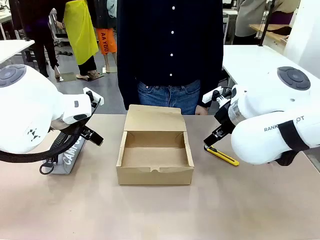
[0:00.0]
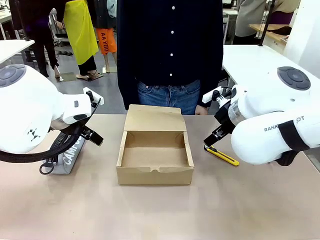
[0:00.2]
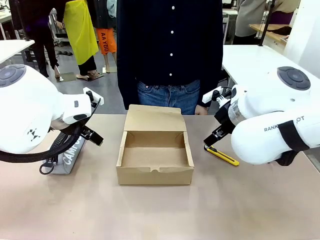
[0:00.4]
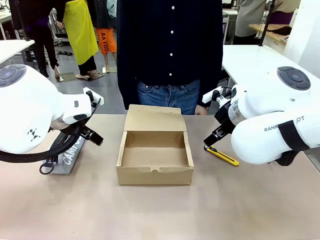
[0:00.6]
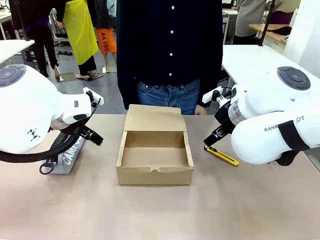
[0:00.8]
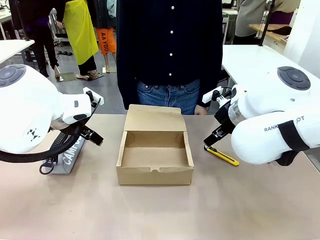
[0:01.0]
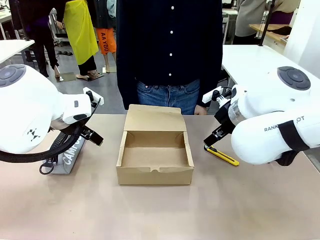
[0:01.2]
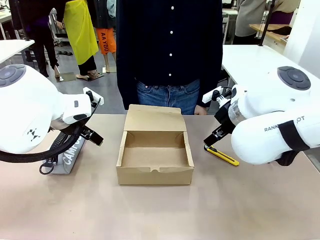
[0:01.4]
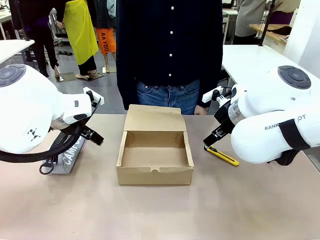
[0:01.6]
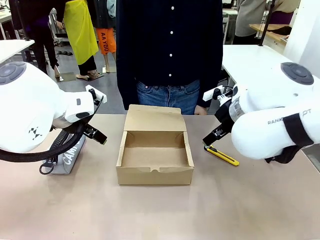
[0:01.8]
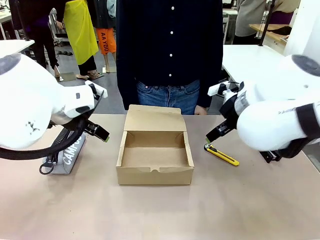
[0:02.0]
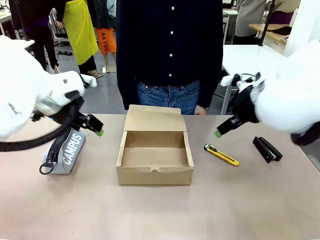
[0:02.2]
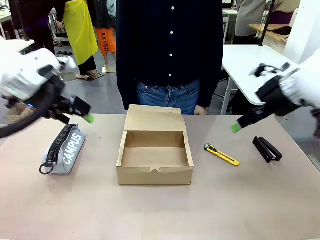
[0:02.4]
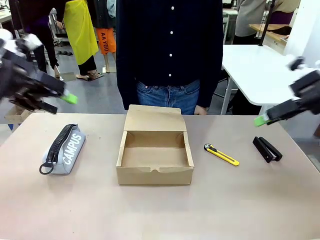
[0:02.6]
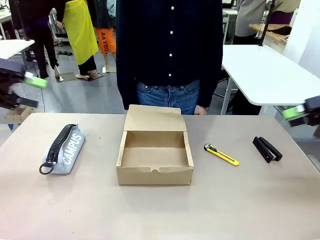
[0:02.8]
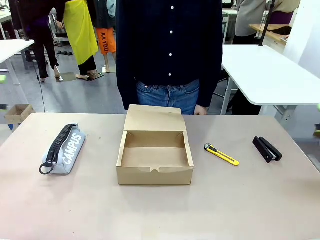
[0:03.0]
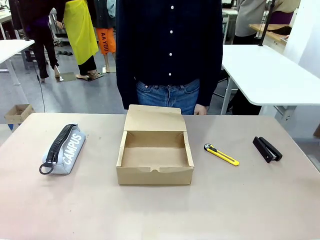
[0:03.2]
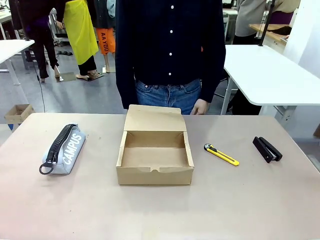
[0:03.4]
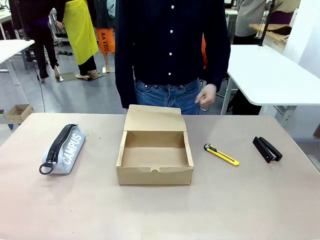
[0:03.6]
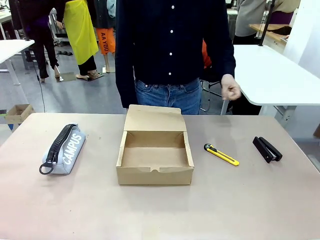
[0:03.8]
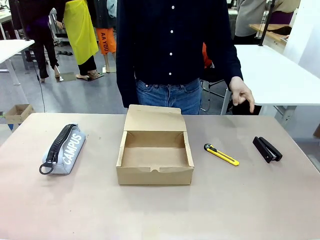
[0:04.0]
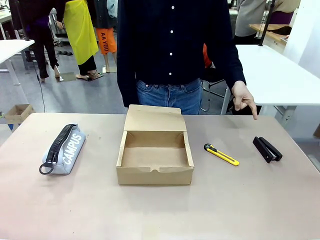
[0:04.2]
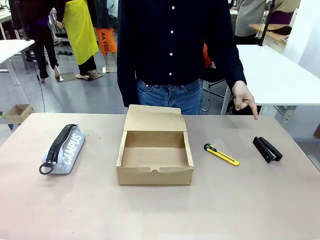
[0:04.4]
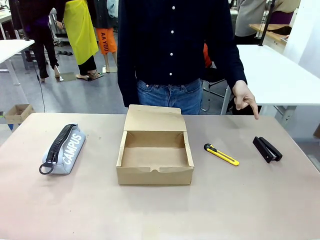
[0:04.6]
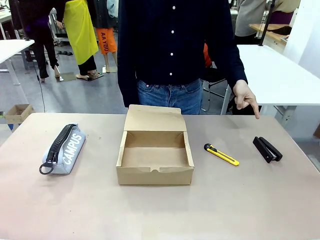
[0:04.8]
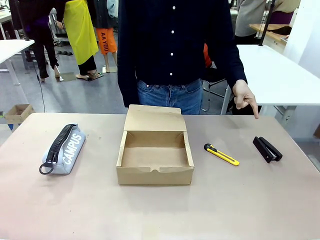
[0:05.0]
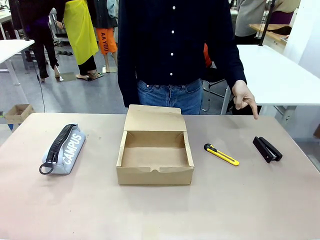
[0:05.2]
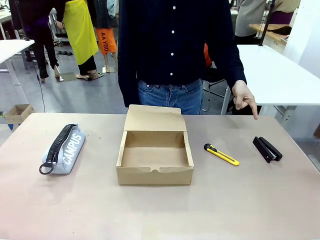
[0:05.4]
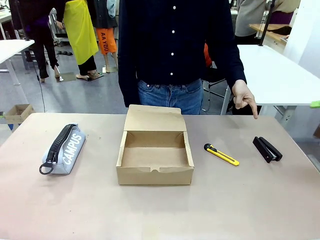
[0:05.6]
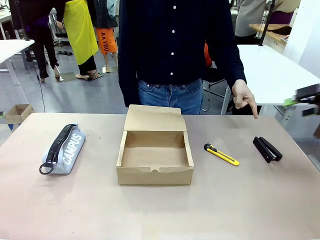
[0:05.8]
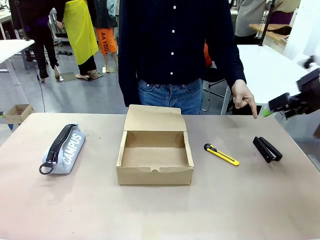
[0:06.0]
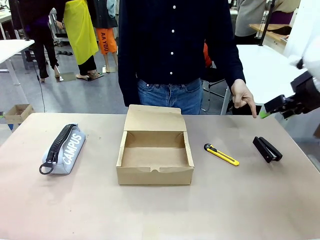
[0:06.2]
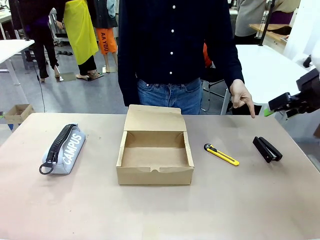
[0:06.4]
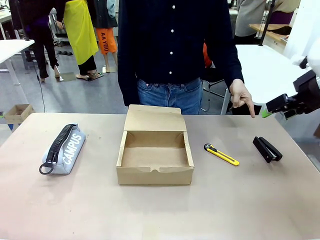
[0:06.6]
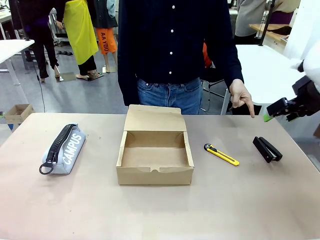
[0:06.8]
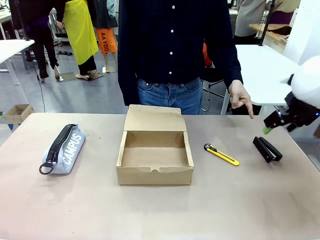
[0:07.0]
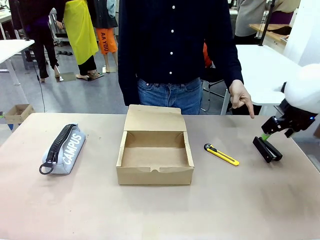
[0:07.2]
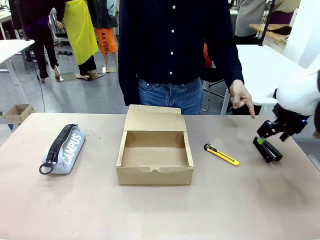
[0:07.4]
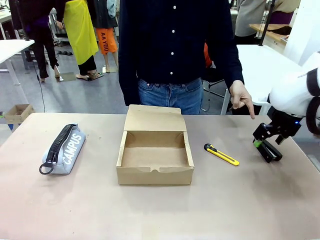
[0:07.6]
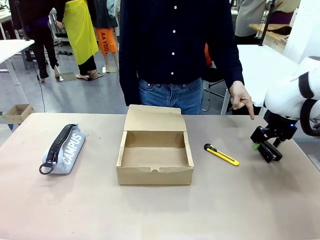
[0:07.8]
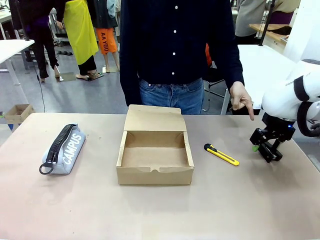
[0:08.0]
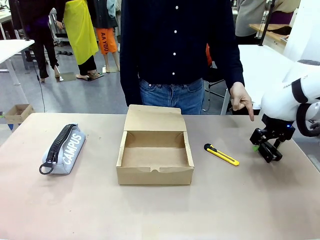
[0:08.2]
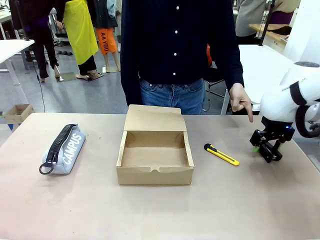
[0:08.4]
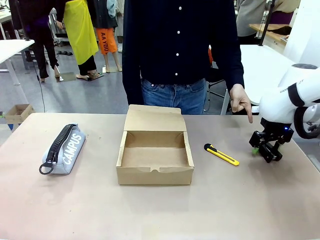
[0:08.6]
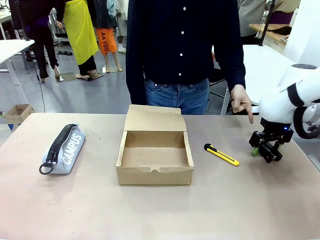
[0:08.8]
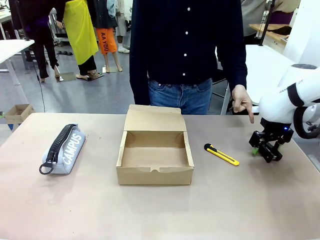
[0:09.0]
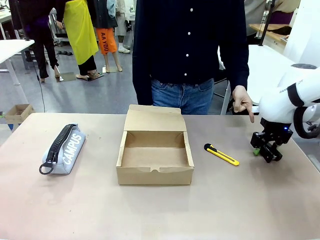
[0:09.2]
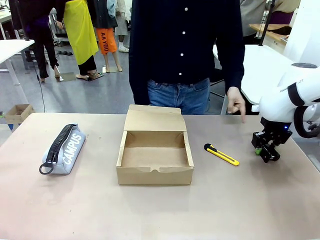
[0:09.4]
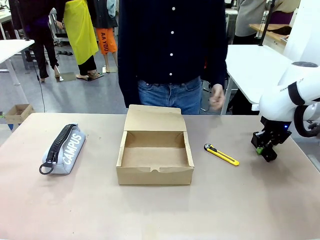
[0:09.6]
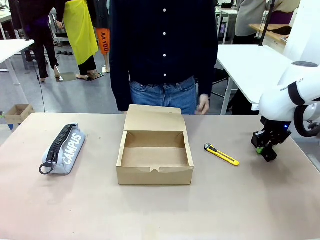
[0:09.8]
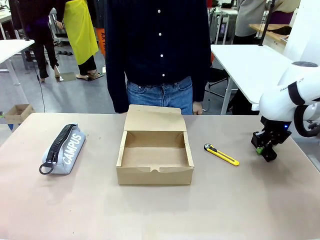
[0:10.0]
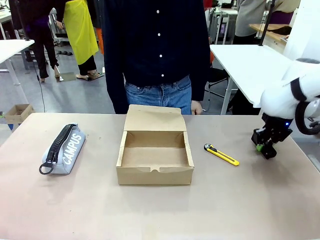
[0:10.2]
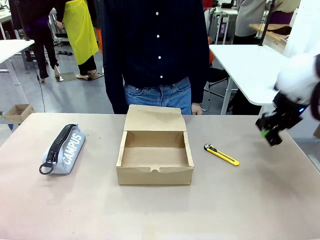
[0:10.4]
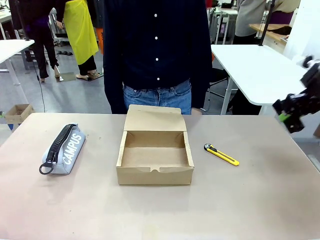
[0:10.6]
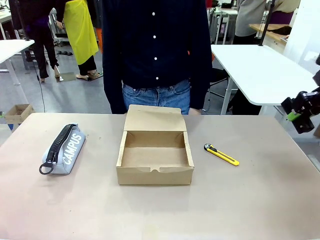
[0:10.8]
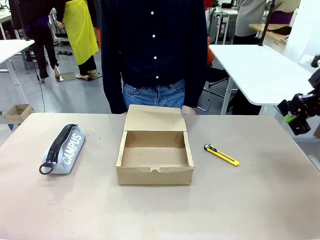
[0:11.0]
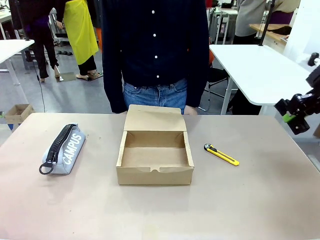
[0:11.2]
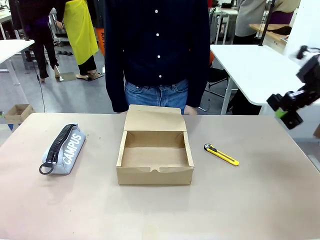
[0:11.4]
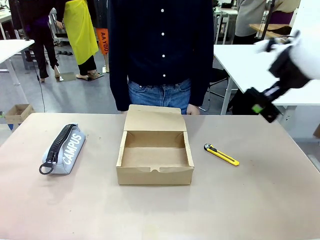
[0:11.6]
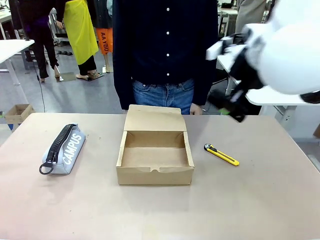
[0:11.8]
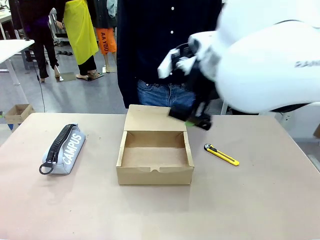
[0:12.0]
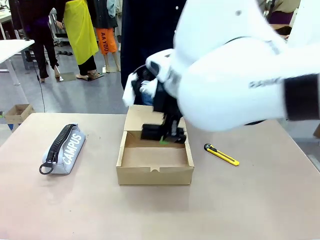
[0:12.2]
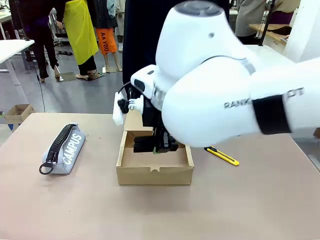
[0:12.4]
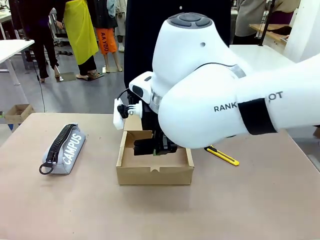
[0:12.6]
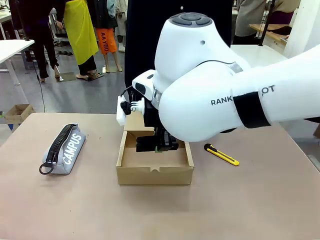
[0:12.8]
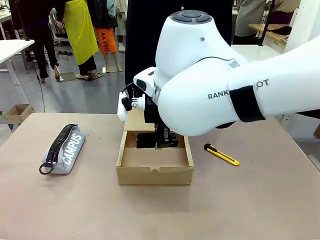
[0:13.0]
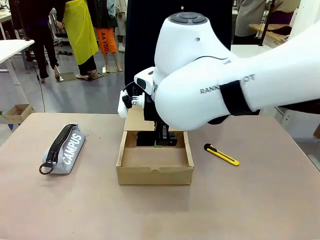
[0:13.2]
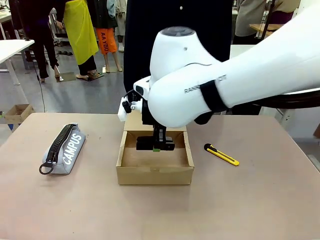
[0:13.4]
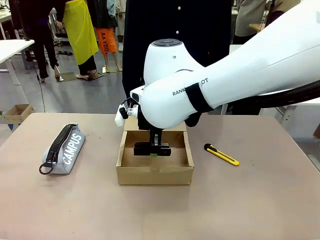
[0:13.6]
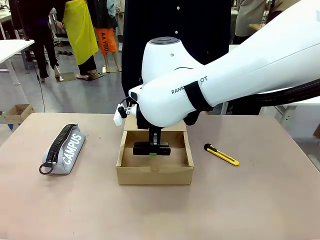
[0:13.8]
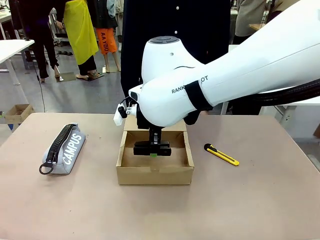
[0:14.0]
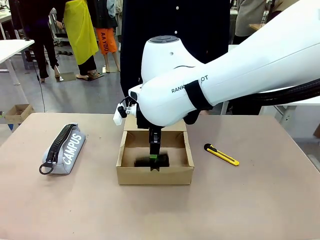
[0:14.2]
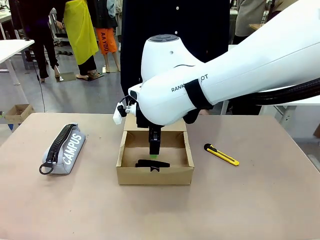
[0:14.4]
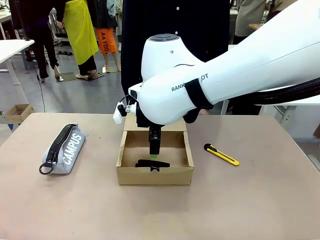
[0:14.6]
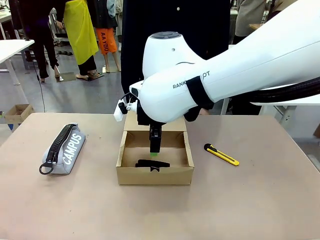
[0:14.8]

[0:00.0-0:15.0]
Task: Pack the items into the box.
Robot: Pick up the item specified by the human and place it in the Mailer Box.
Person: Point at one item on the table (excluding the box).
